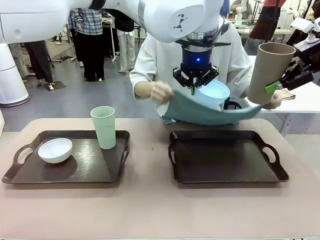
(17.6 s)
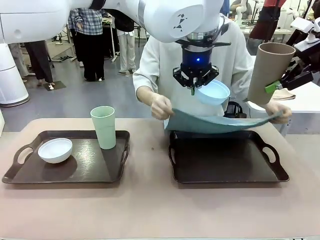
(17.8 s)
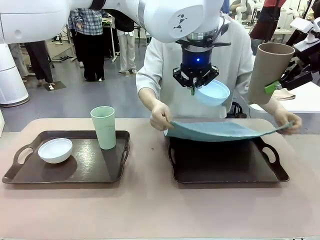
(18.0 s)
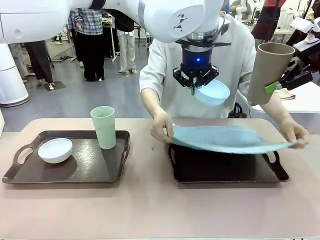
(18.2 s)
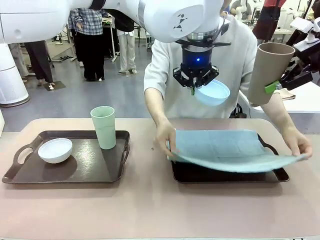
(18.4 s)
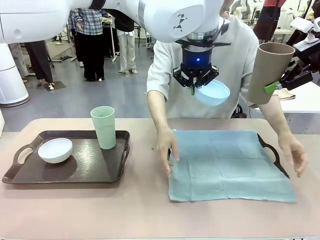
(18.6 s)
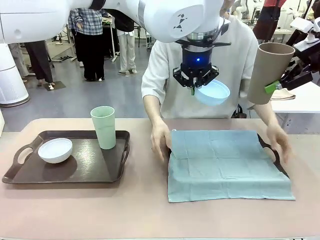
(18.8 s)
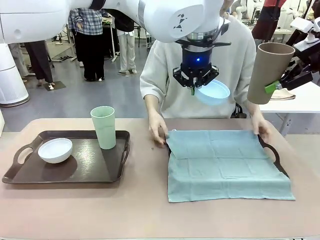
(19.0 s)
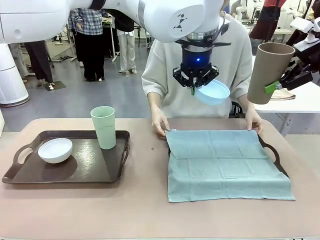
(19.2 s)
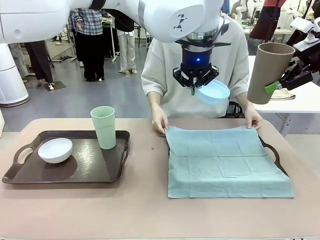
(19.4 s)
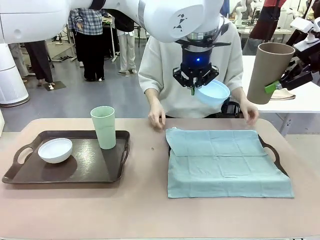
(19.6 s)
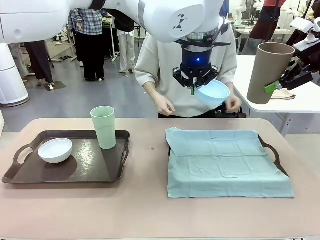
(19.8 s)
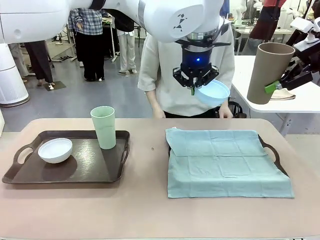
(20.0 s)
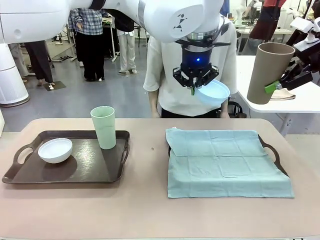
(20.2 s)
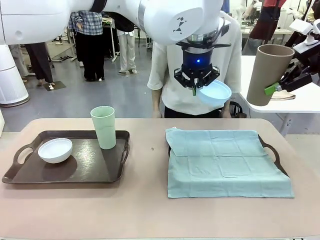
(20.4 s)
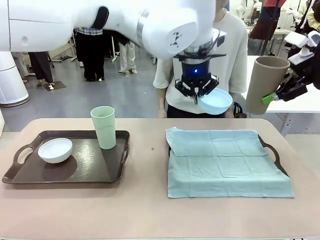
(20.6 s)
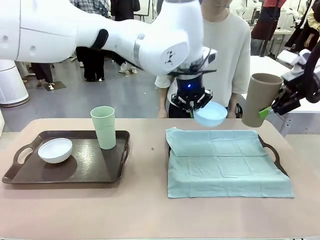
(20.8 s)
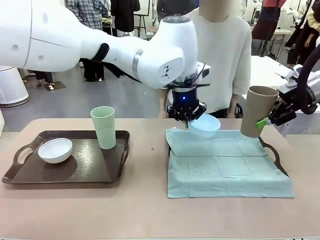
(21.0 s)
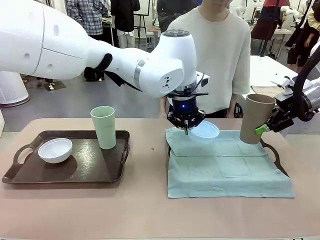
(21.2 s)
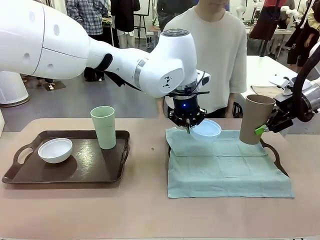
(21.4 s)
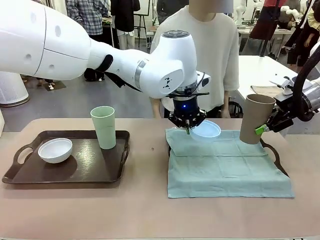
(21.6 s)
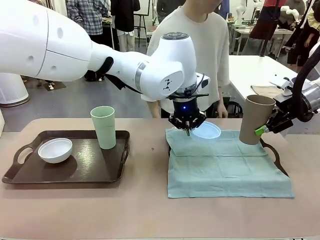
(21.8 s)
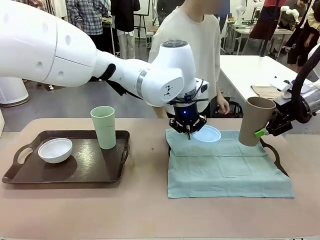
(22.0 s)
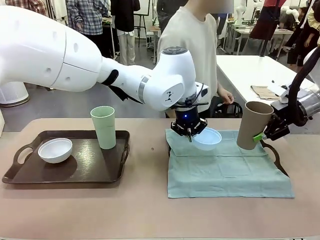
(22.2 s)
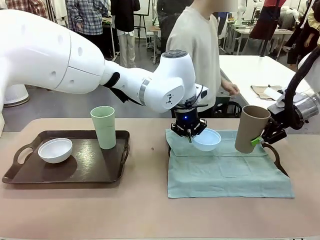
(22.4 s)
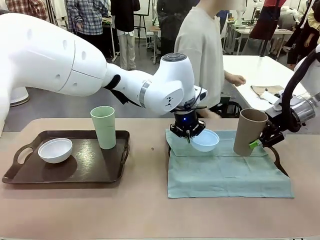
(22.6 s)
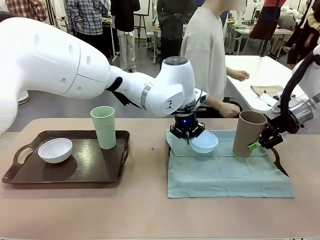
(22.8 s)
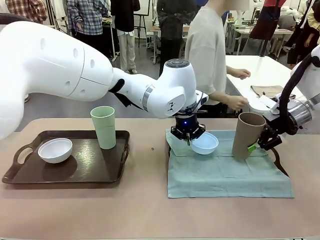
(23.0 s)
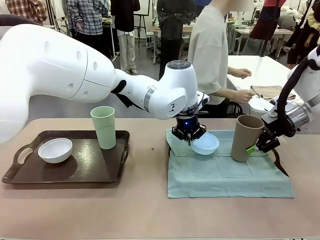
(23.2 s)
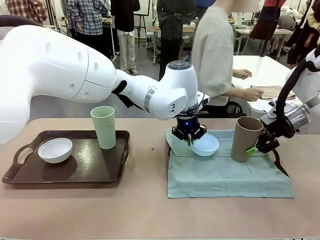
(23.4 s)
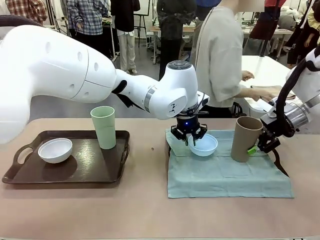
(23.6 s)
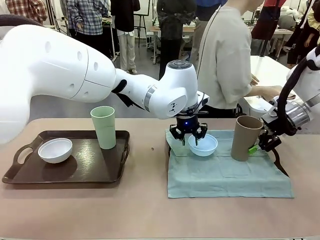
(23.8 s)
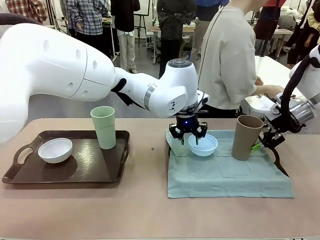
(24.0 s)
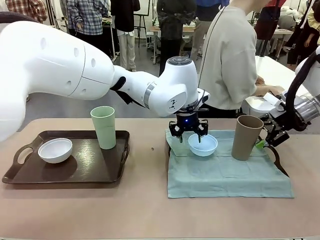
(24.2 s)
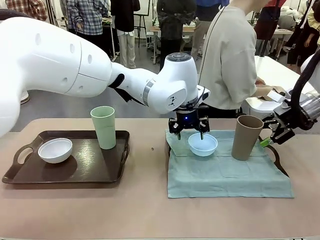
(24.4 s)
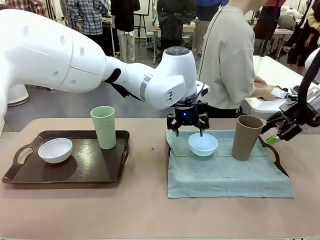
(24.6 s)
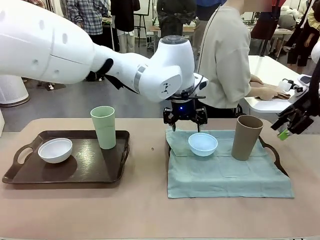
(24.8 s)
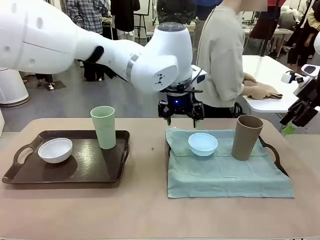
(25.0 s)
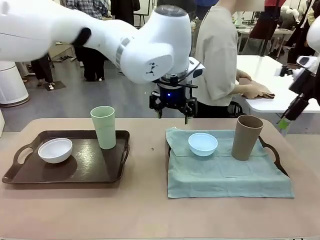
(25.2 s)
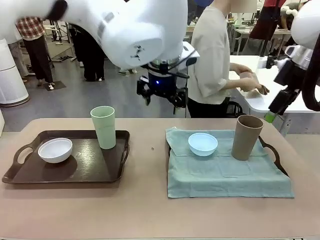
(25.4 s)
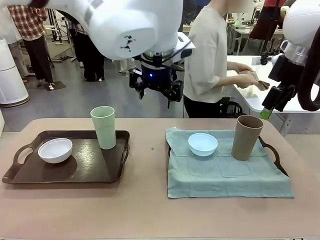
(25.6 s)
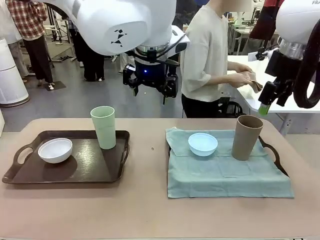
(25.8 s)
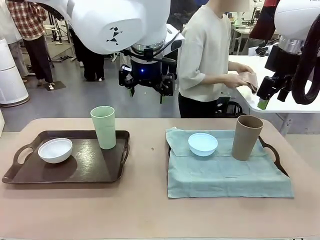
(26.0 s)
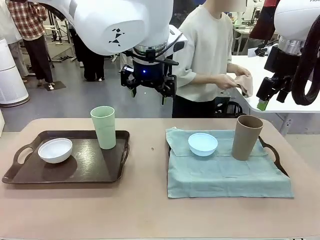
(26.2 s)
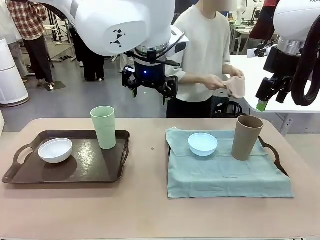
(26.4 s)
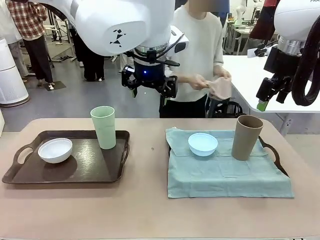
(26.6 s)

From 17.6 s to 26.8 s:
Robot: Place the Picnic Bowl and Reusable plastic cup back onto the Handle tray in front of the human's position.
Person: The human returns to the human table to pick up another napkin and walks to the robot table to stand in front of the tray without a napkin.
